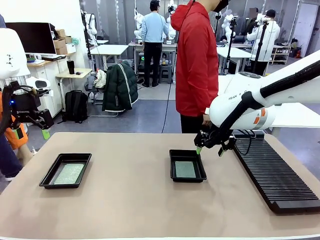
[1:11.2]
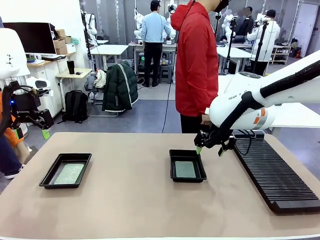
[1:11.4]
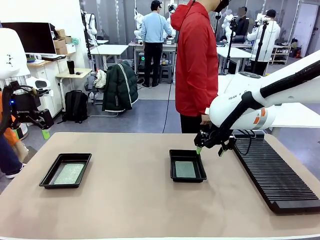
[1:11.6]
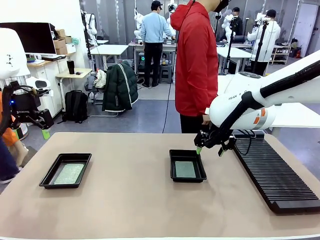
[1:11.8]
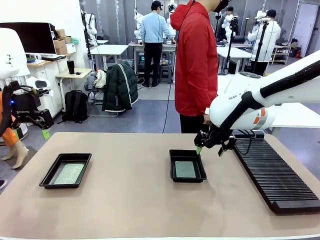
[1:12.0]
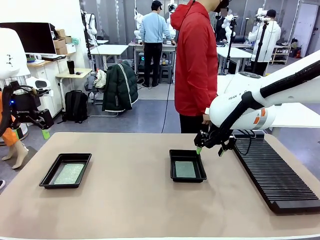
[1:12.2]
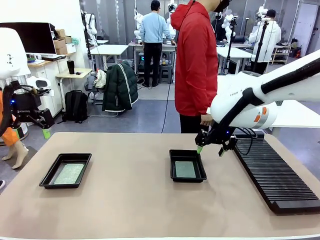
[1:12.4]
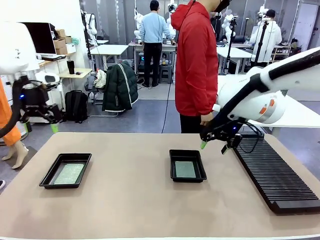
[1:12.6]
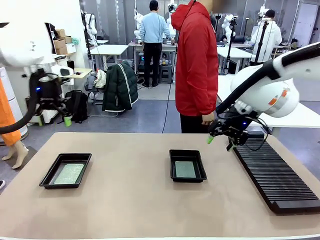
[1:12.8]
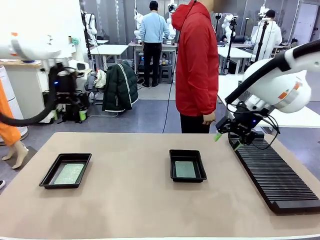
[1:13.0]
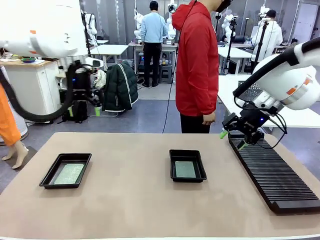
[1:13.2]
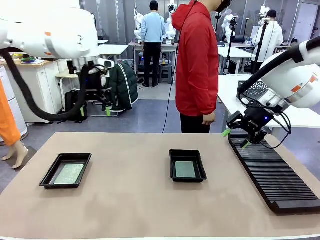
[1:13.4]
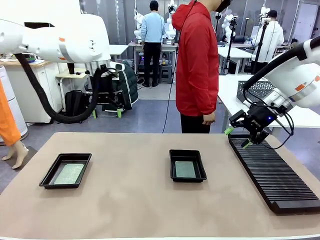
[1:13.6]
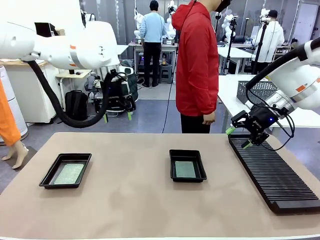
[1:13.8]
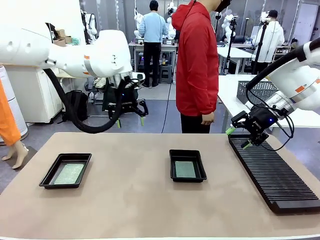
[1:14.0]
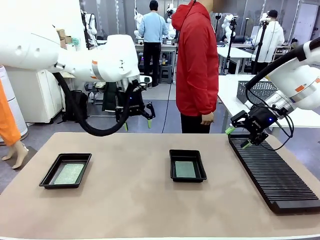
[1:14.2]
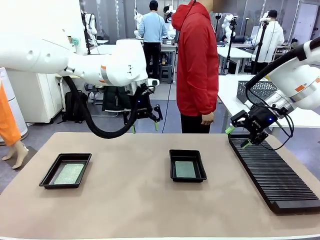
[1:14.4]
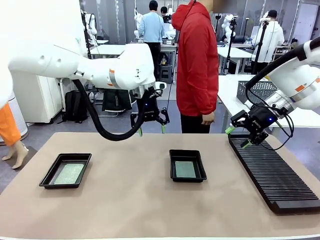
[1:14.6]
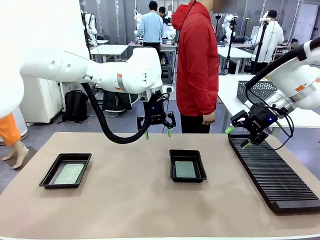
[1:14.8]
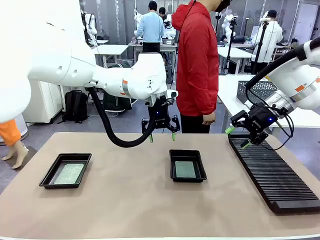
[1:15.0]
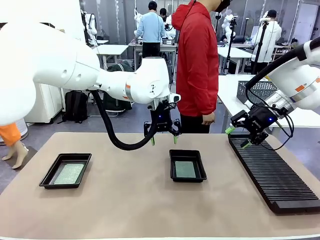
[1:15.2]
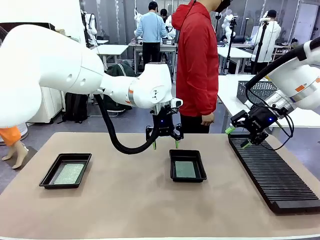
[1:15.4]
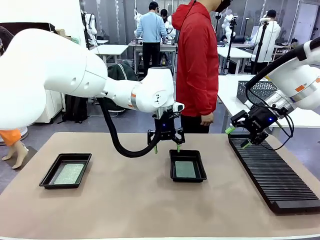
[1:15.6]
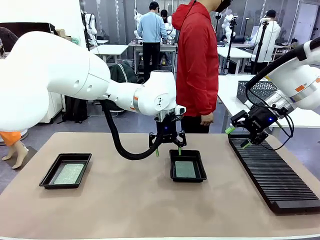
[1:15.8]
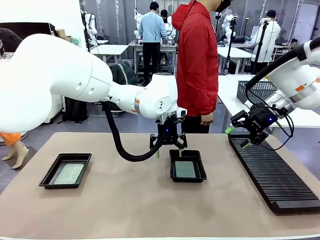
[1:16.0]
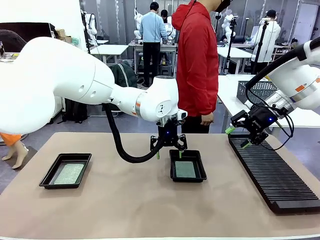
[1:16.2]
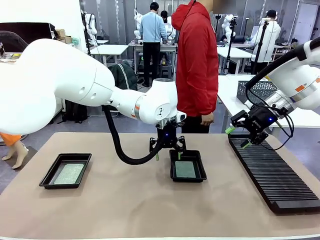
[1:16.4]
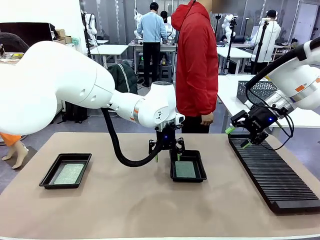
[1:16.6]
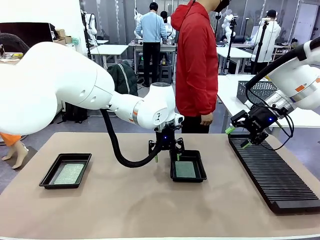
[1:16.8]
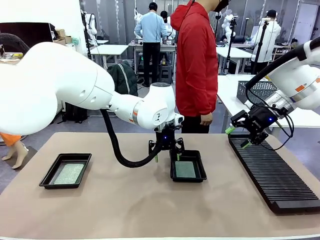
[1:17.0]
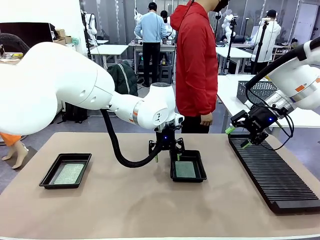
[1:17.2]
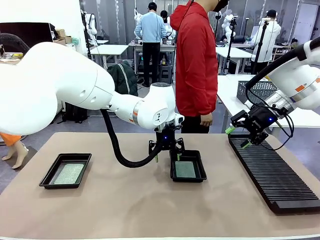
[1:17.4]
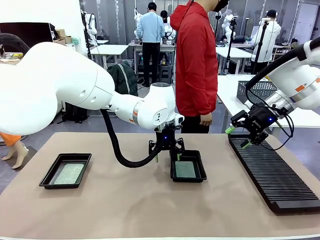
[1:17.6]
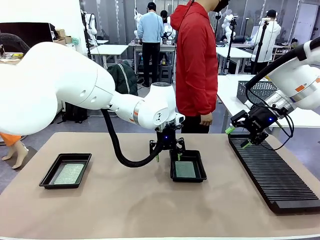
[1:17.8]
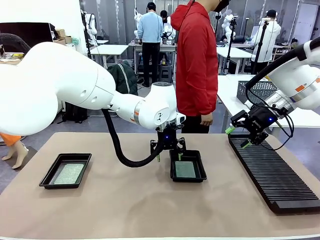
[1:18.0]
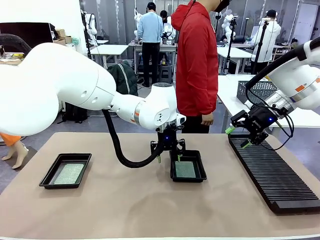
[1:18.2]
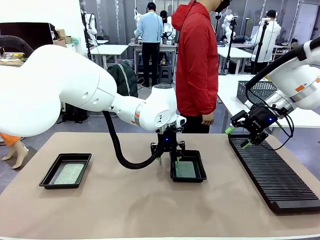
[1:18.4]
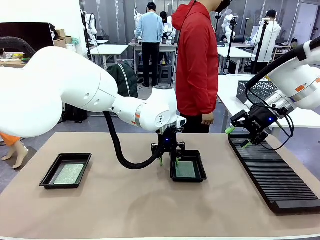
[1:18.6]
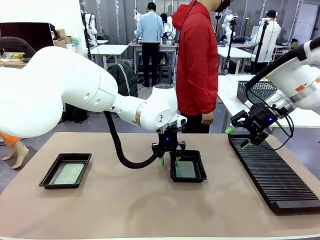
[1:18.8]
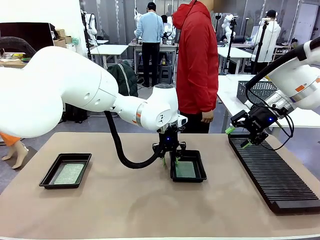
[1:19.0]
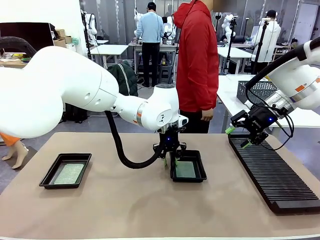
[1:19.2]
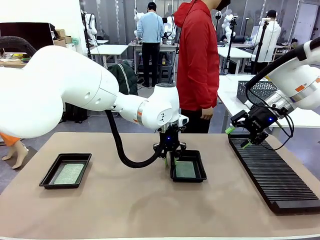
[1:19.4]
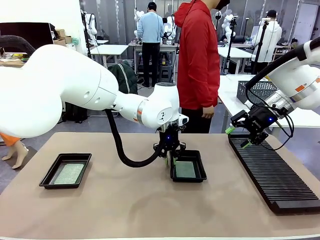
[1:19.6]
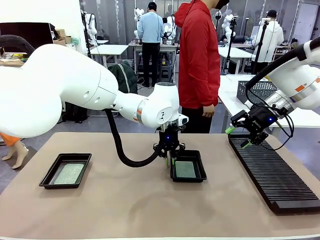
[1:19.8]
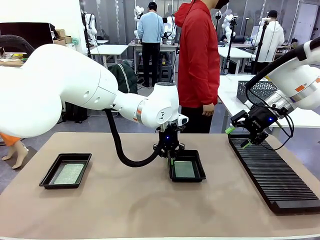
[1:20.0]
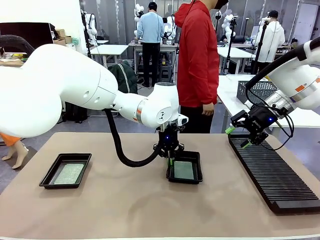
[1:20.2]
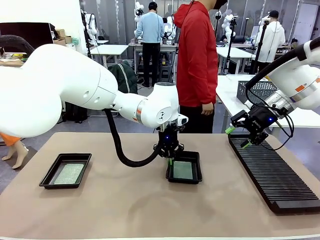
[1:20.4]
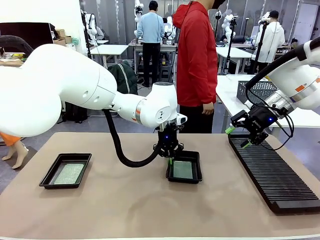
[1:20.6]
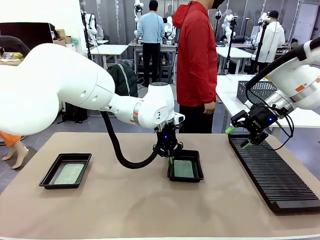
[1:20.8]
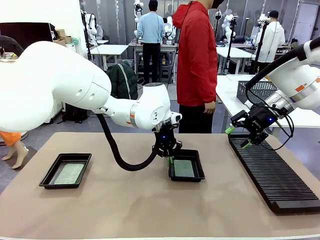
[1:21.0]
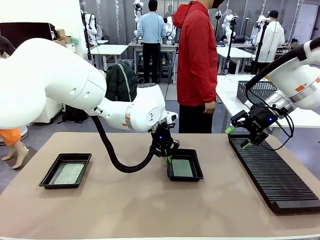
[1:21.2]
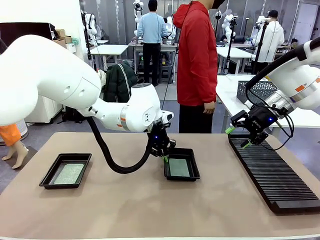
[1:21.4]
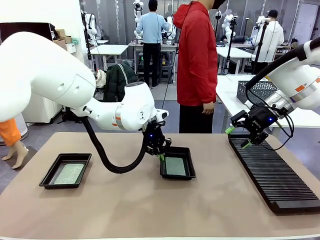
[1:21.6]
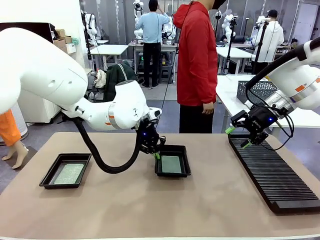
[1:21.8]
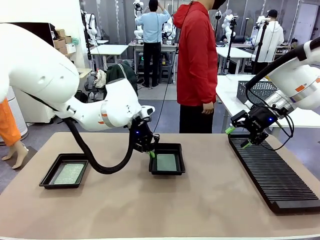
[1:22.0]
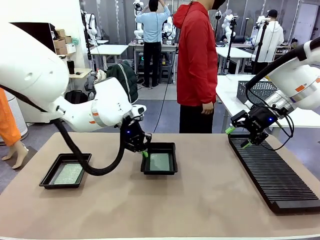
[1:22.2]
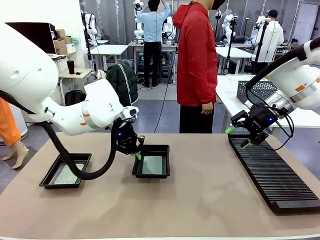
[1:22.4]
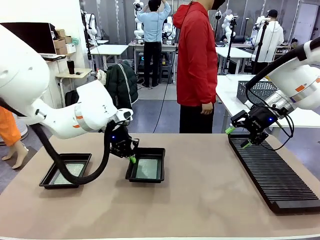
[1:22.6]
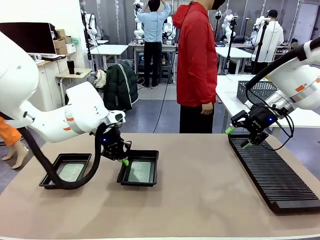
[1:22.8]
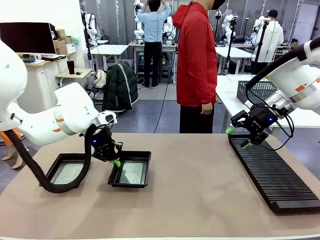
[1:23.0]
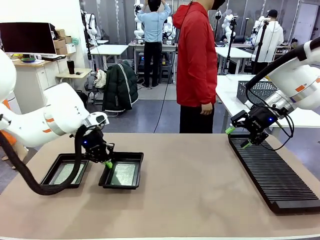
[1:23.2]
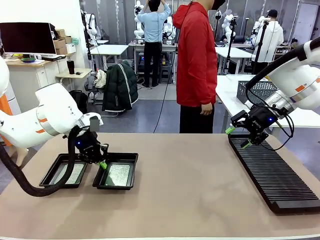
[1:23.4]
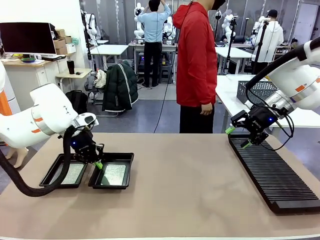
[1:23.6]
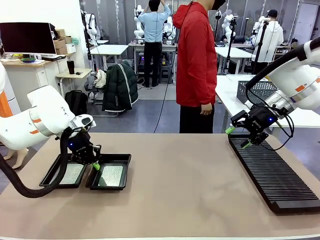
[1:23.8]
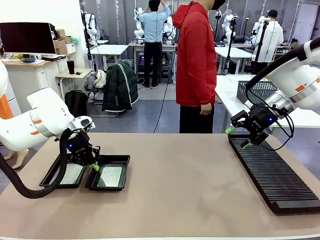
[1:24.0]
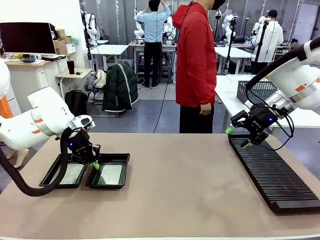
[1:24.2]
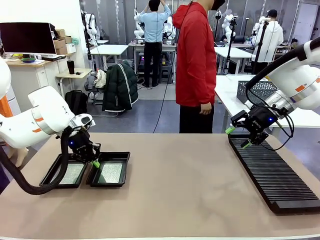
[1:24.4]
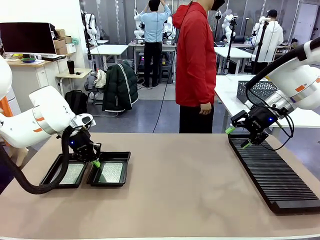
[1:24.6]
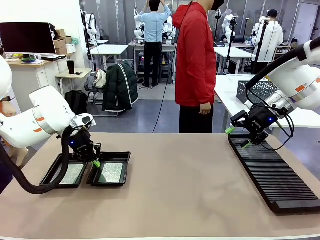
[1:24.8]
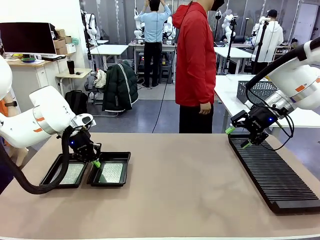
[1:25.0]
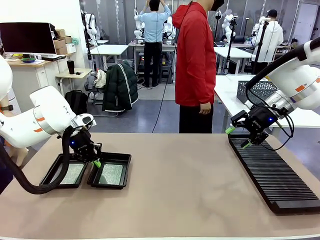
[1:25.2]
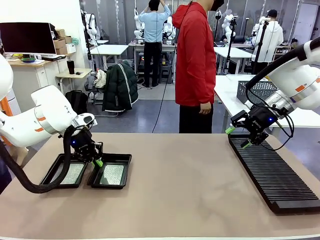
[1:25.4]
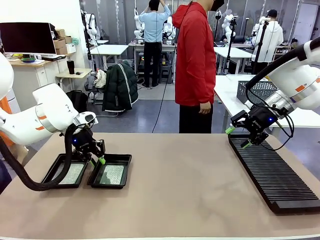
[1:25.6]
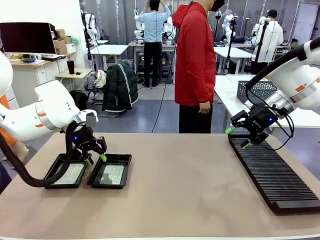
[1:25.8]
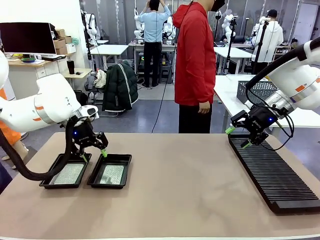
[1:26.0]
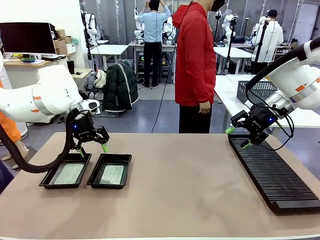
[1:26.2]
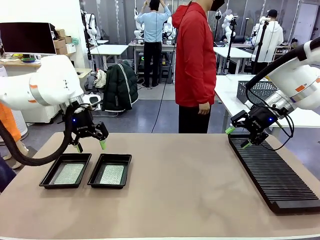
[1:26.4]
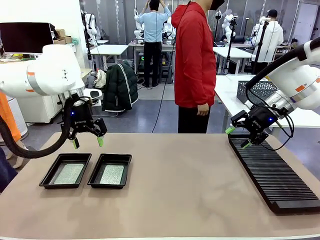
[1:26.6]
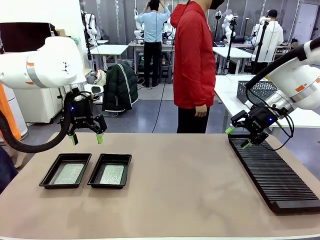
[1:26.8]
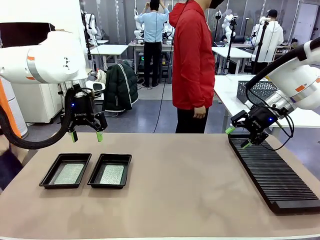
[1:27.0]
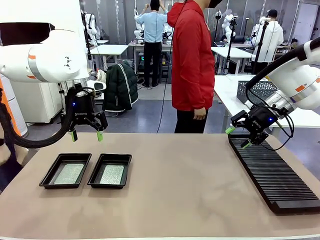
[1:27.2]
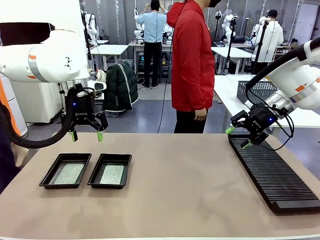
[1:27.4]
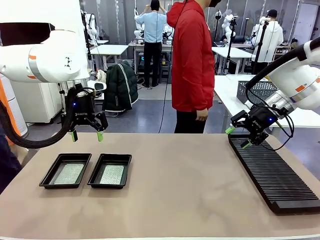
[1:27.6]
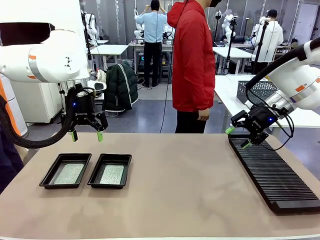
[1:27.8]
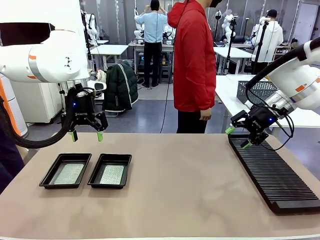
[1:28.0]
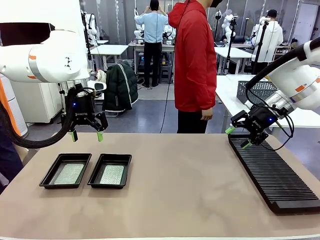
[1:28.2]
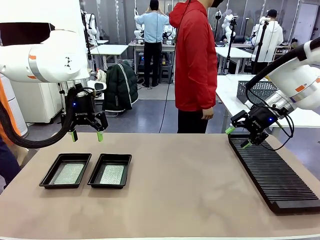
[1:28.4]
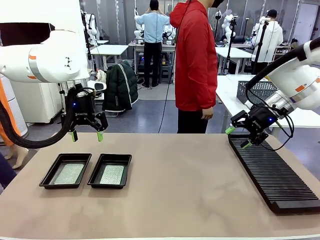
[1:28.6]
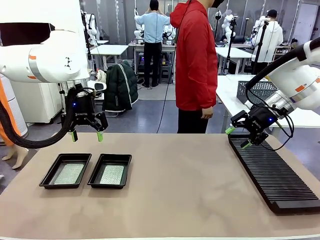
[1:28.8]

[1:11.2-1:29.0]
Task: Inspect and transfer BCBs to ESD trays.
Robot: Pick up the ESD tray and place it on the left side of the table.
